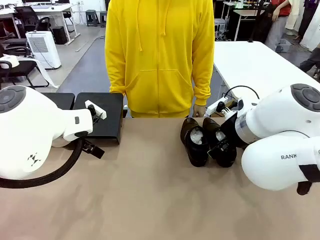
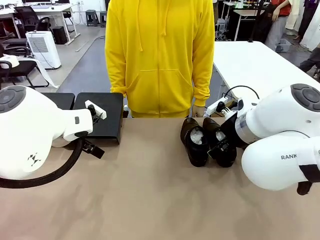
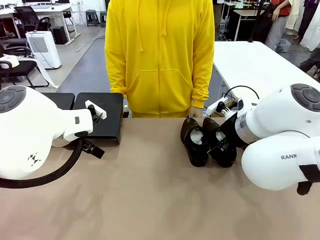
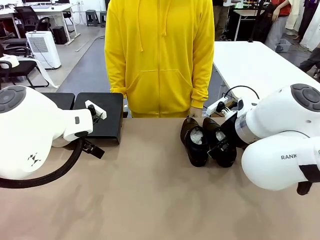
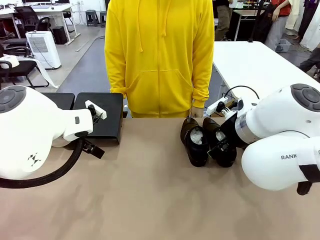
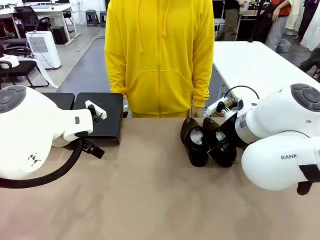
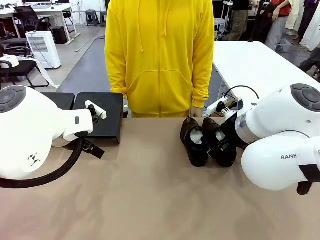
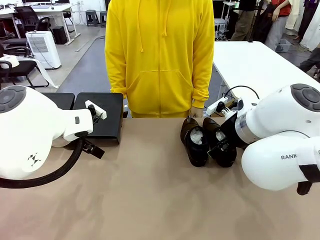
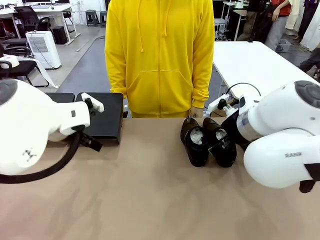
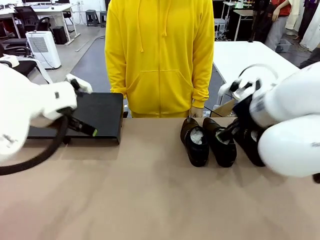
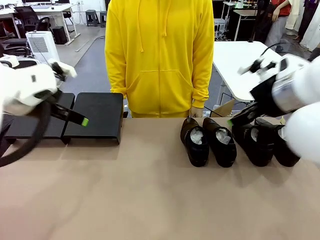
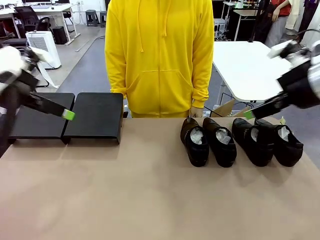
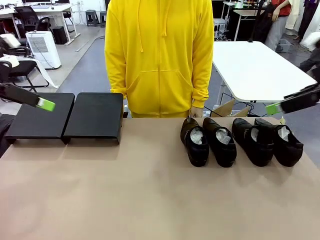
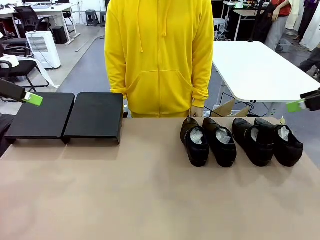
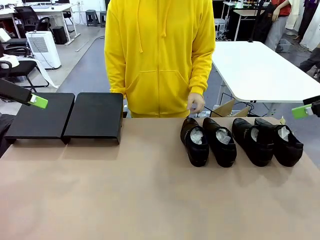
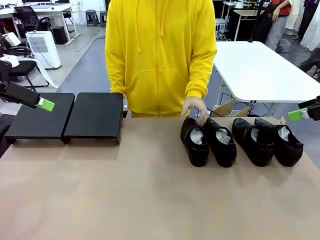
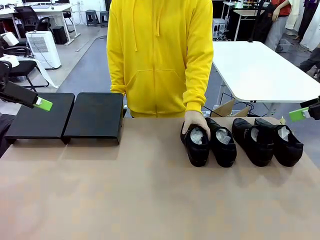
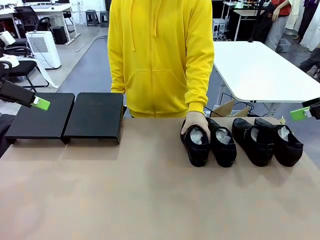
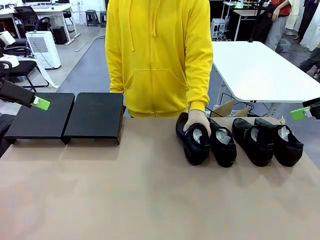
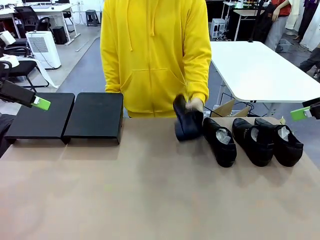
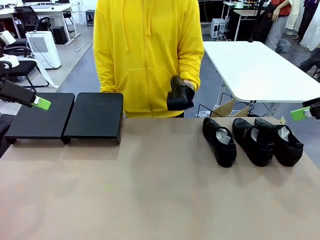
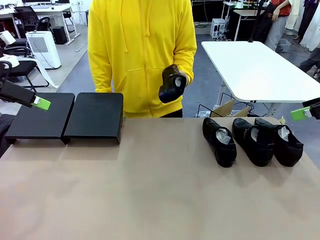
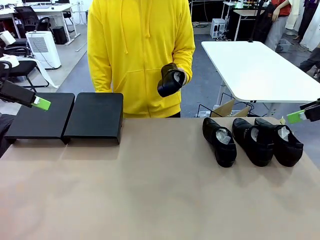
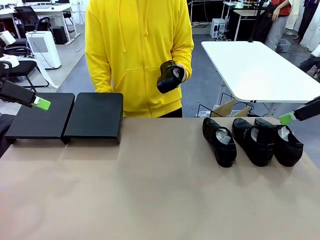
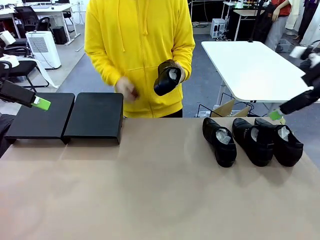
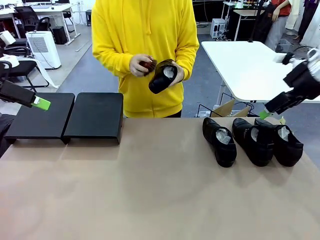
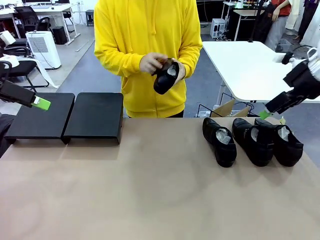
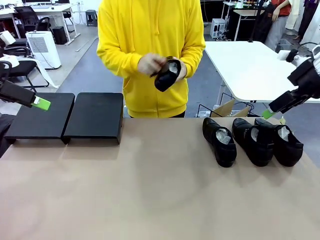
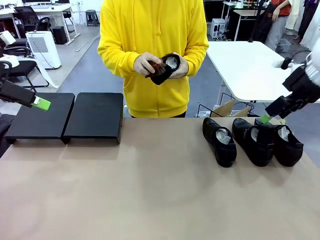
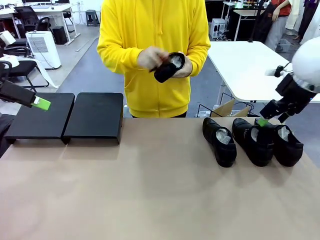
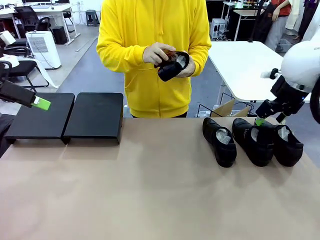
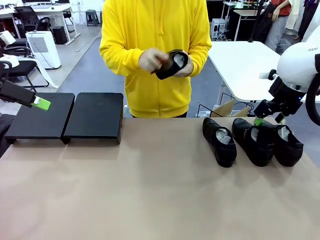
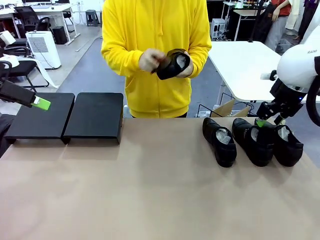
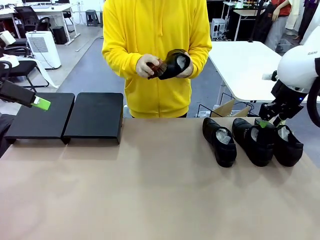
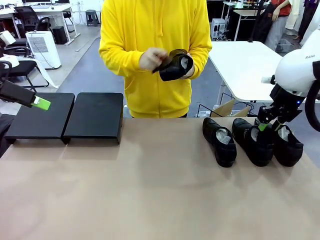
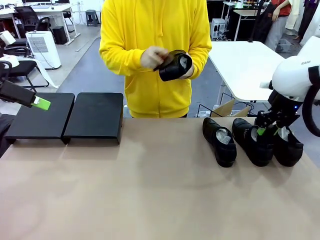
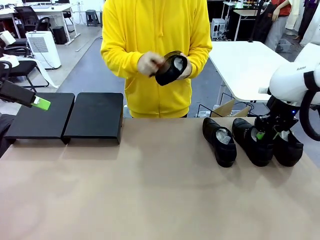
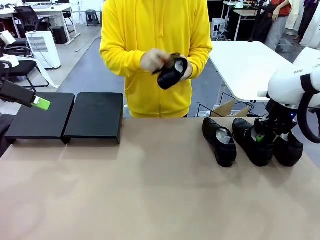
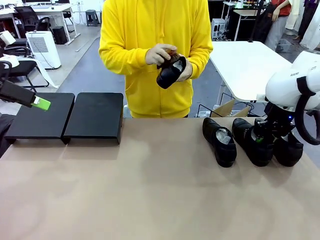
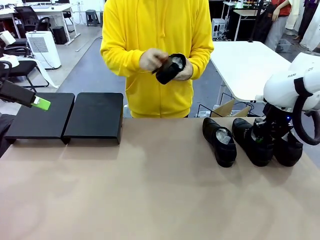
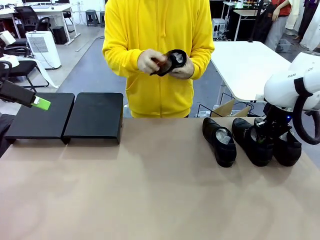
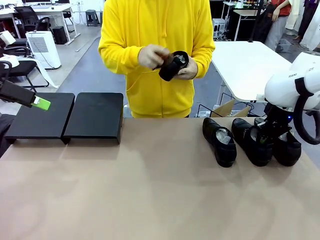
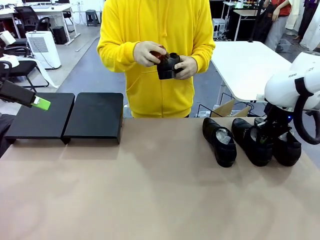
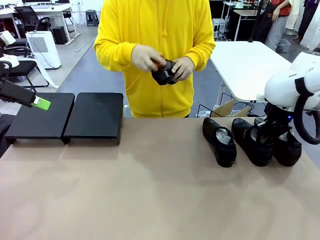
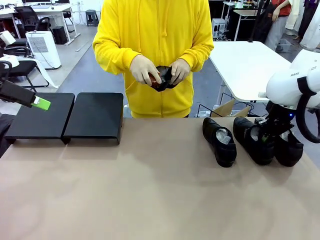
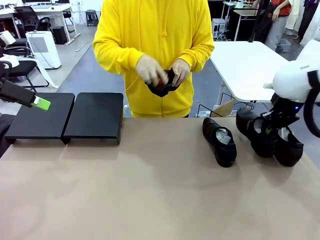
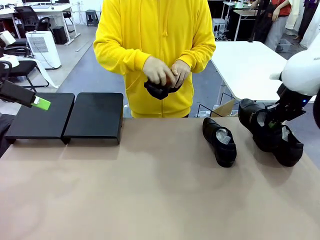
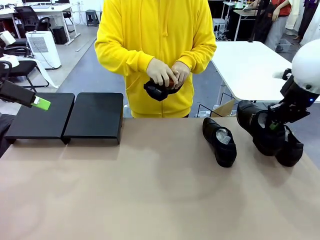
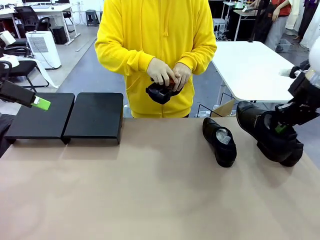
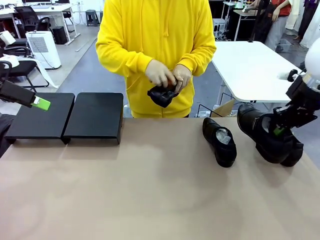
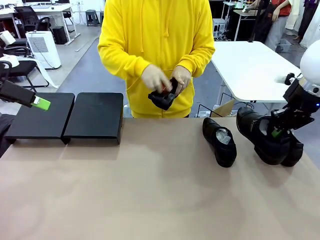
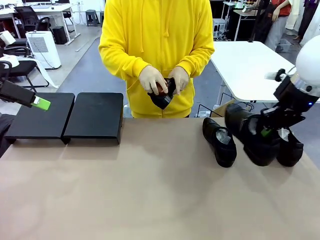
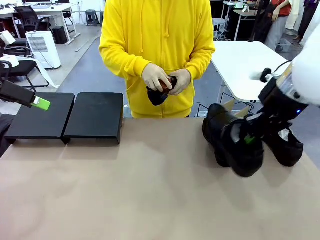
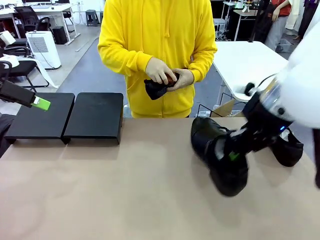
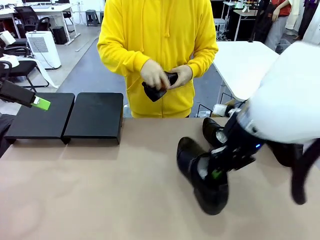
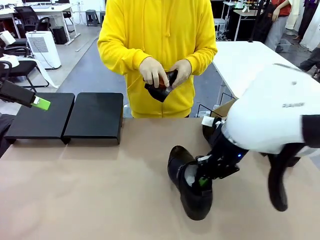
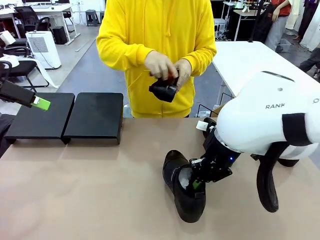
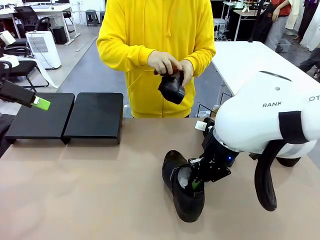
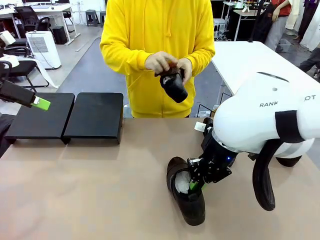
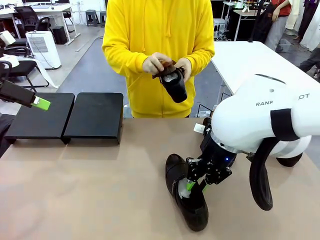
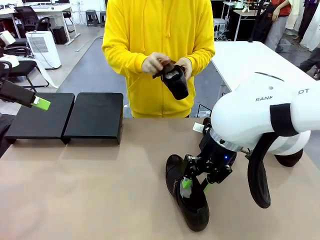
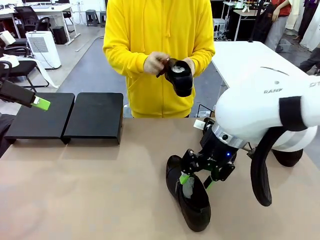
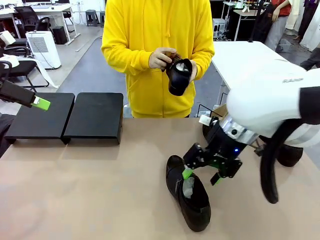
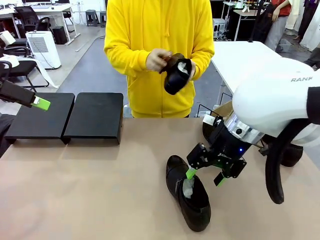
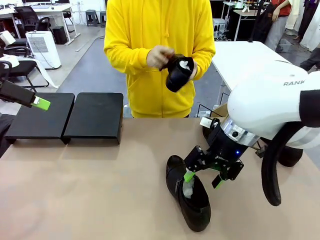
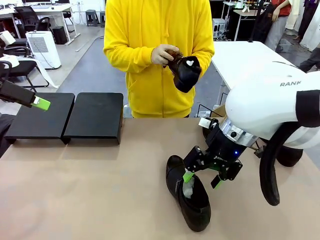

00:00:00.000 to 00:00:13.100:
Task: Organize the shoes by placing them on the stand.
Robot: Pick up one Shoe and place it in the middle of the table.
Person: Pick one Shoe on Robot's table. Clean the Shoe with the Shoe Brush.

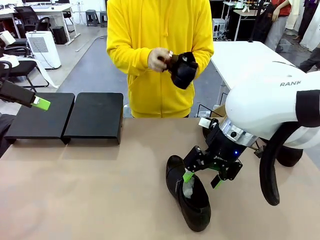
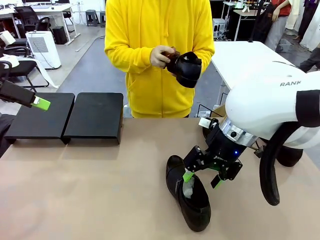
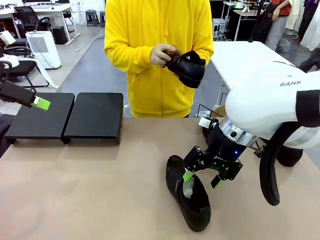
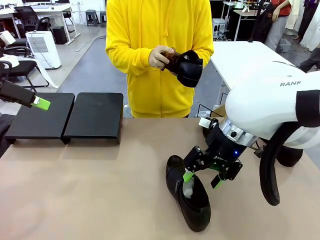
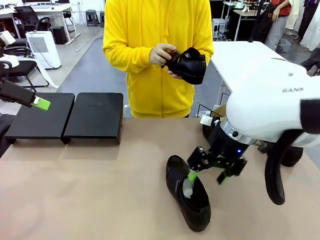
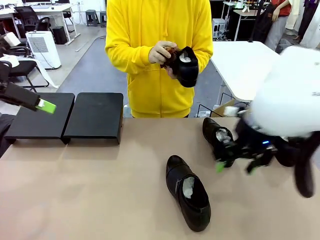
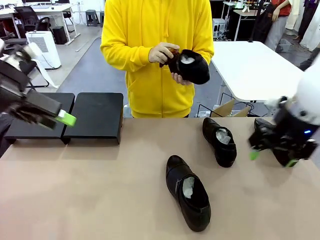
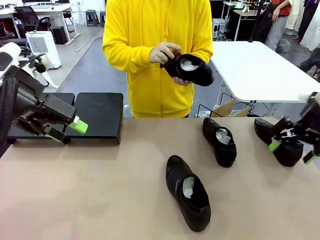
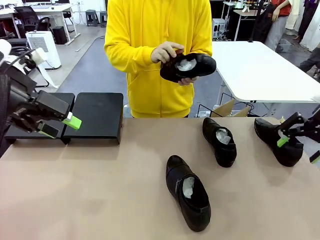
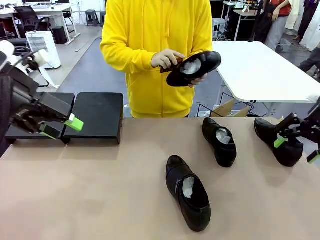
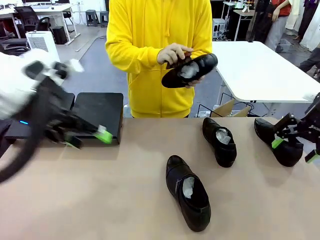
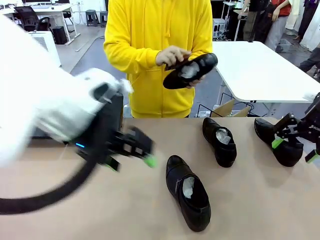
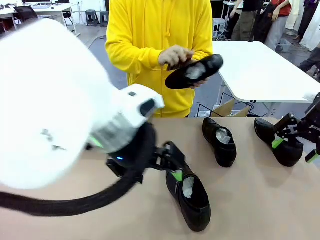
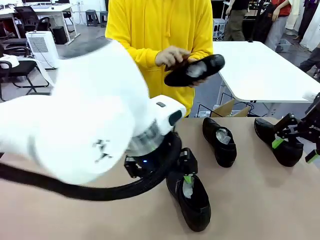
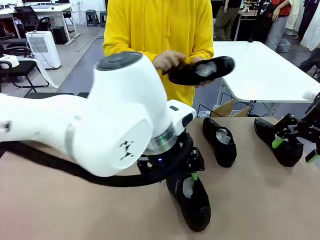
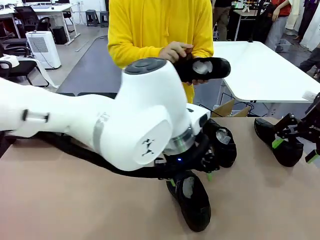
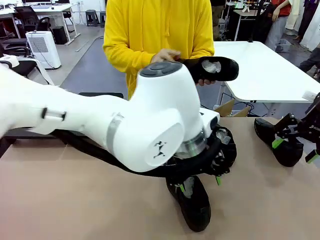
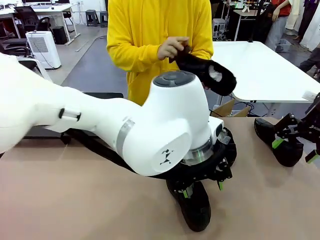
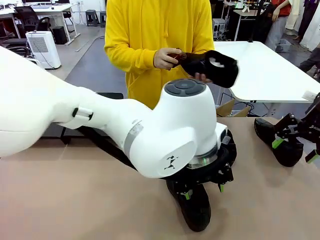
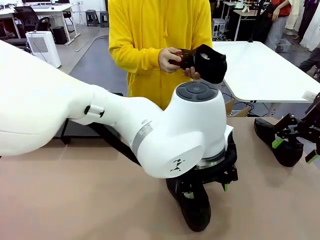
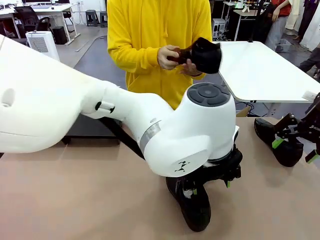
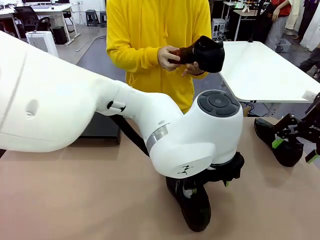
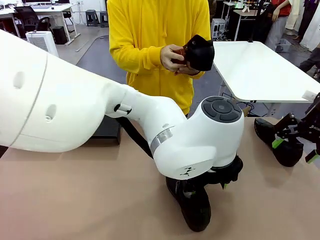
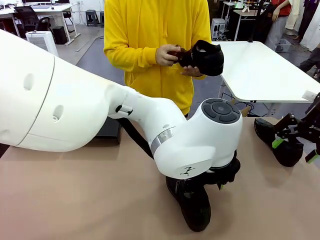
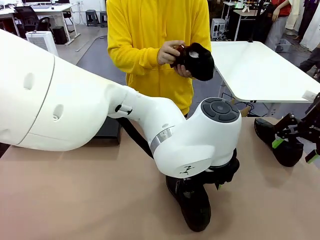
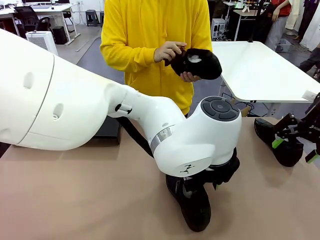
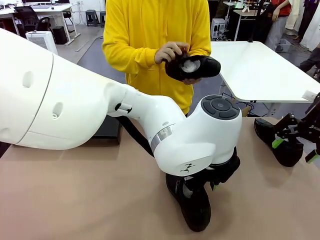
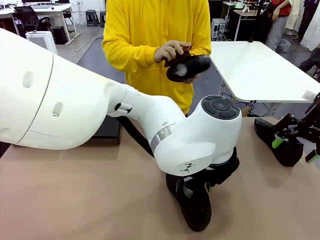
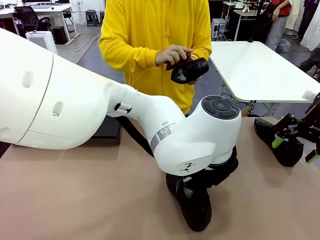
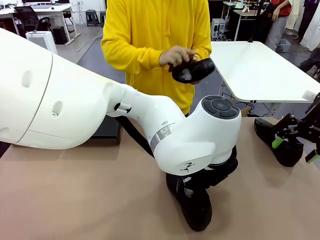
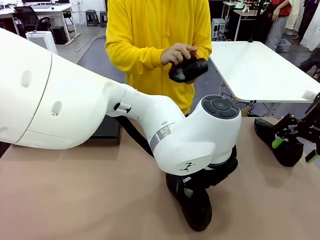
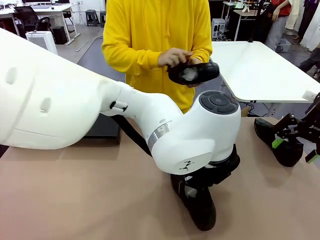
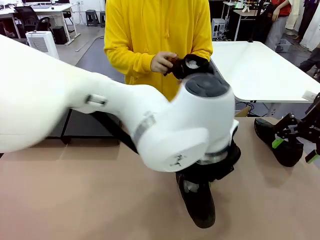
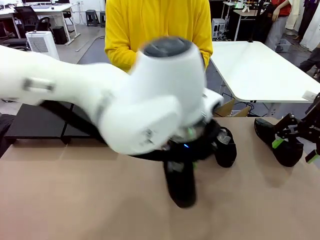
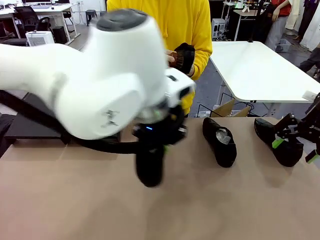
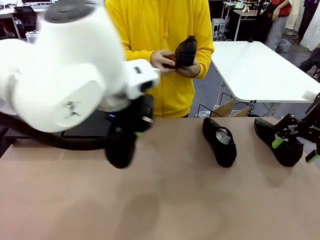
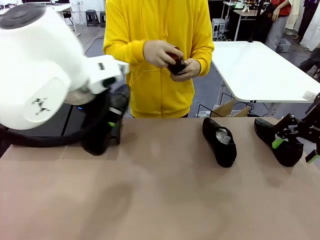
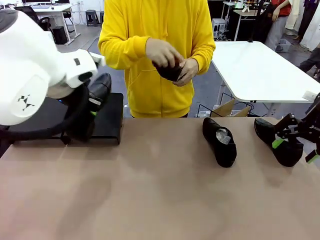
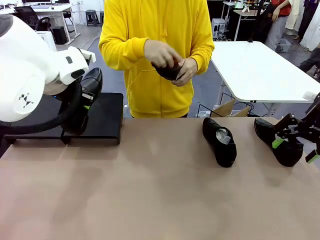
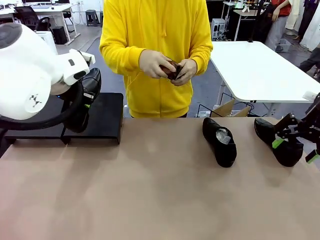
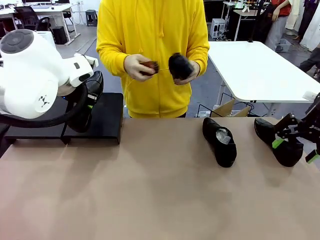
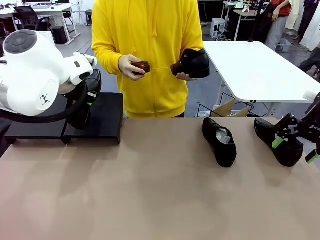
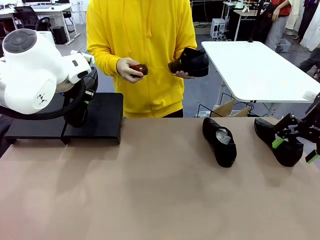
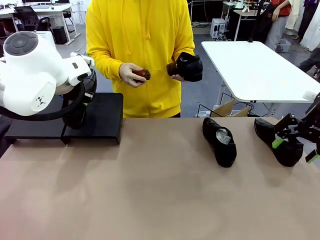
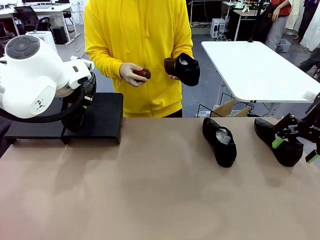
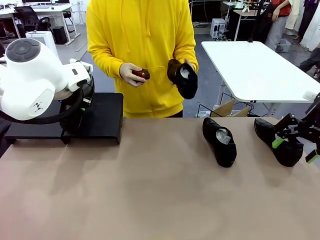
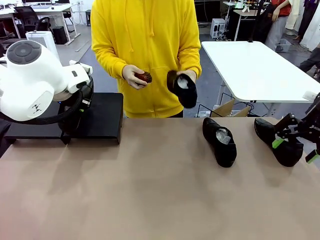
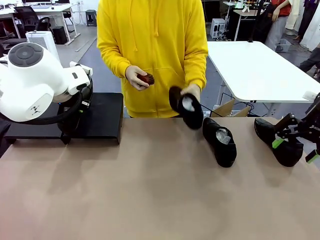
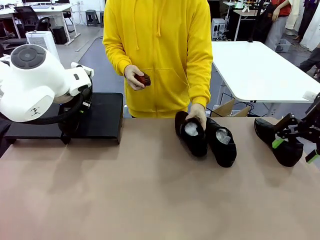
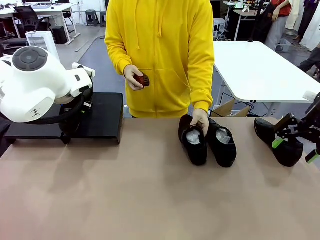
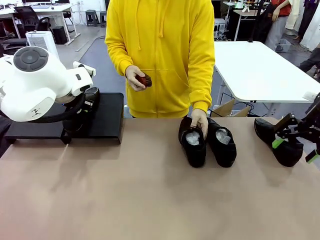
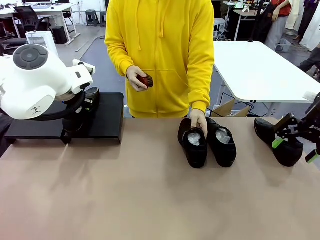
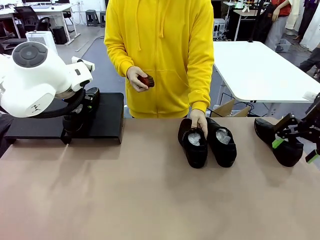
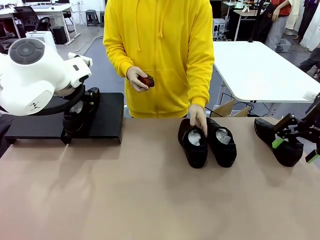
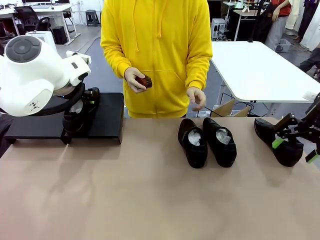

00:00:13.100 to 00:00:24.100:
Robot: Place the Shoe from the middle of the table onto the Shoes Stand.
Person: Place the Shoe on left side of the Robot's table.
